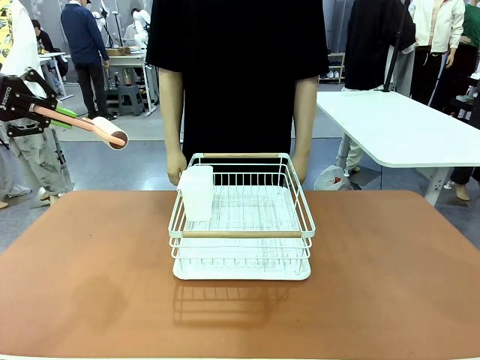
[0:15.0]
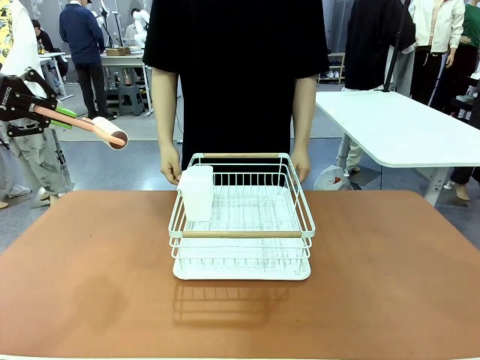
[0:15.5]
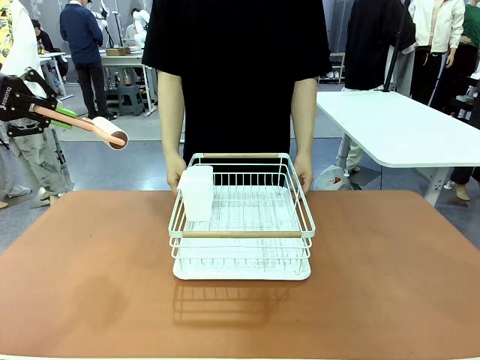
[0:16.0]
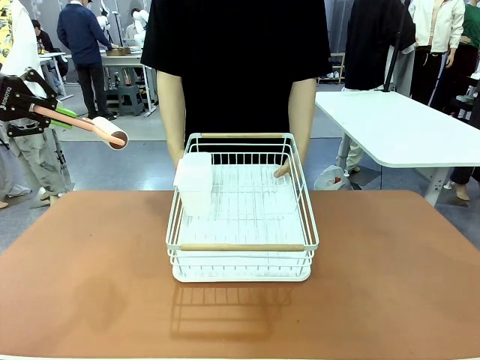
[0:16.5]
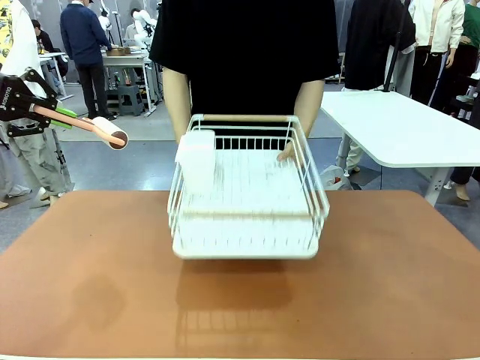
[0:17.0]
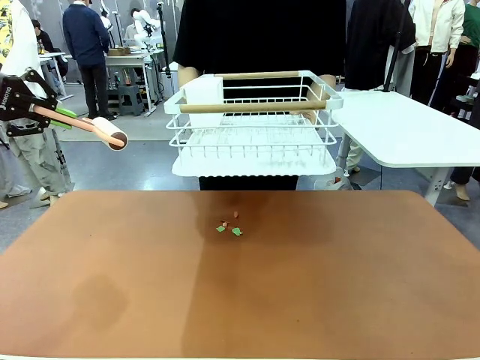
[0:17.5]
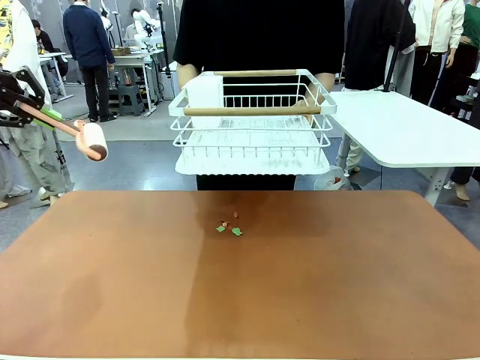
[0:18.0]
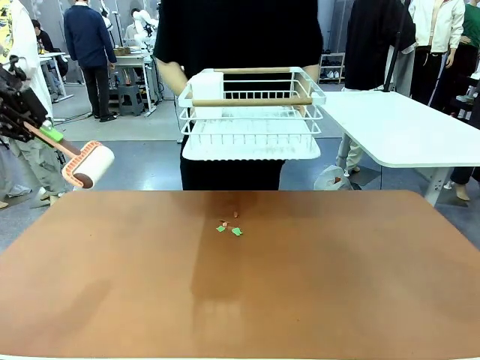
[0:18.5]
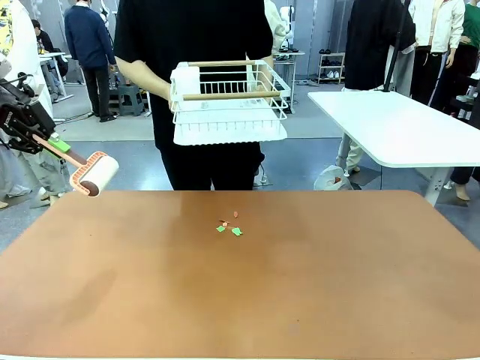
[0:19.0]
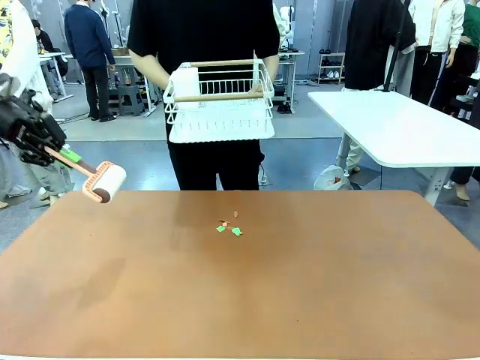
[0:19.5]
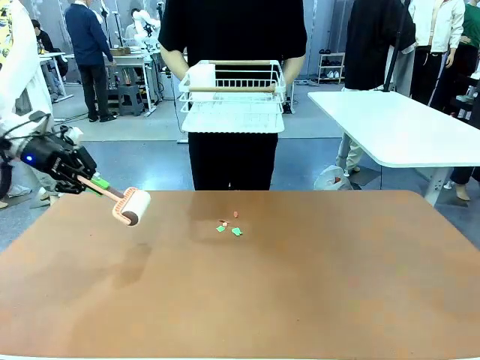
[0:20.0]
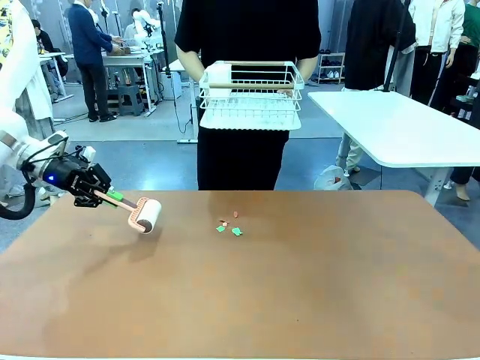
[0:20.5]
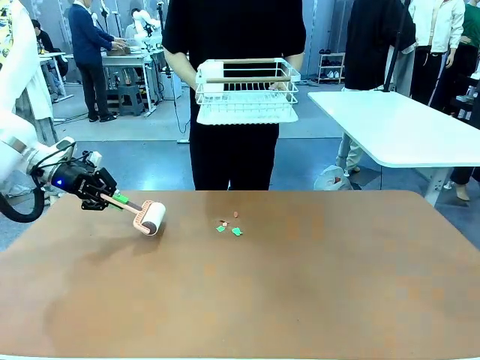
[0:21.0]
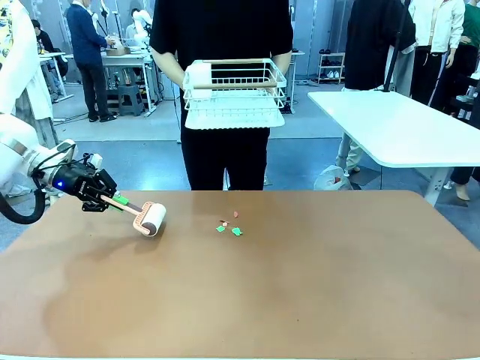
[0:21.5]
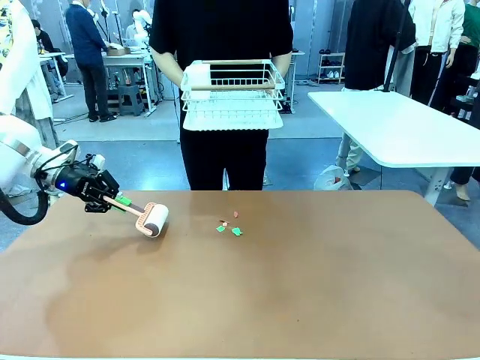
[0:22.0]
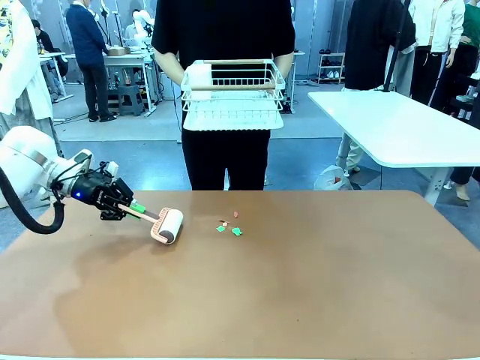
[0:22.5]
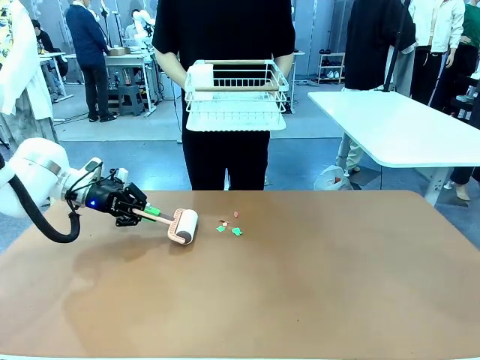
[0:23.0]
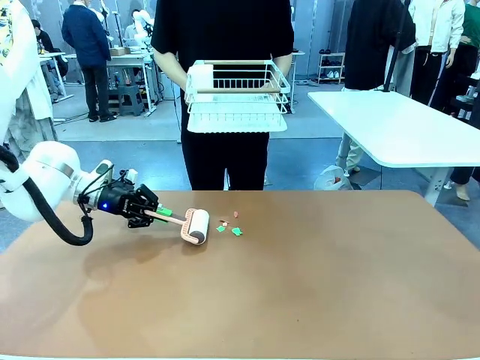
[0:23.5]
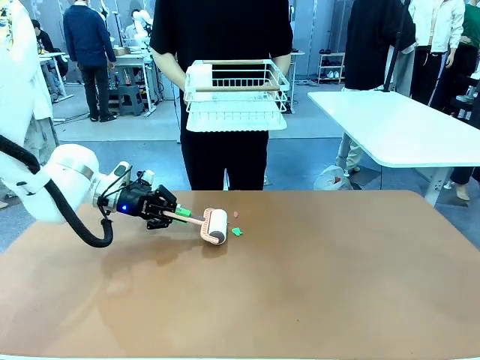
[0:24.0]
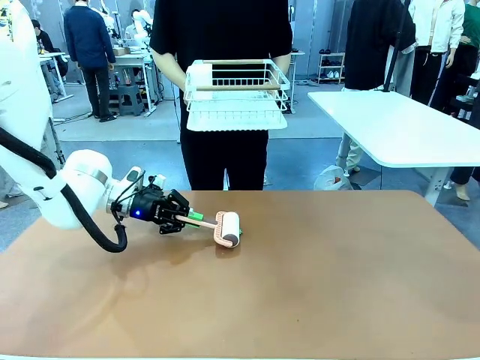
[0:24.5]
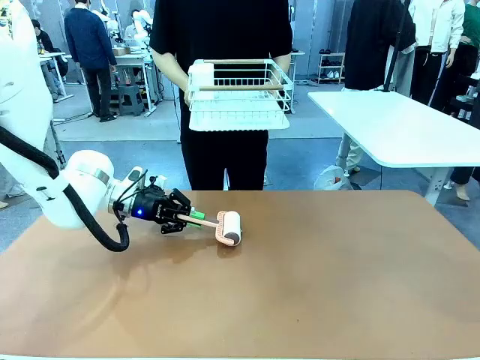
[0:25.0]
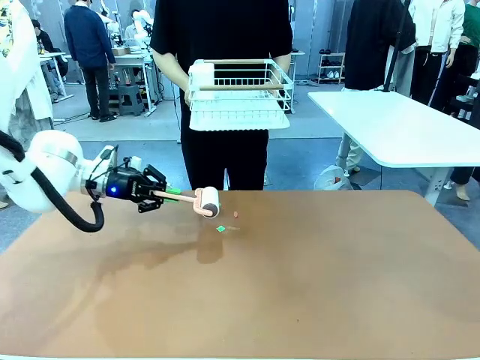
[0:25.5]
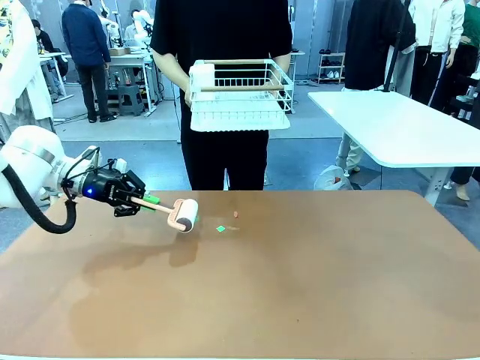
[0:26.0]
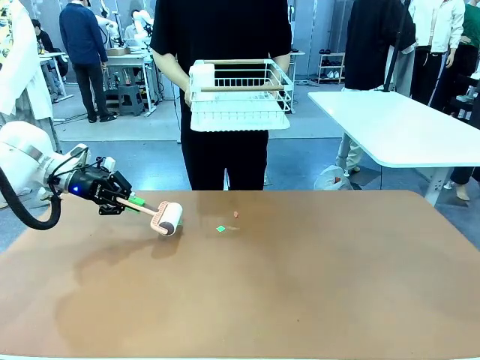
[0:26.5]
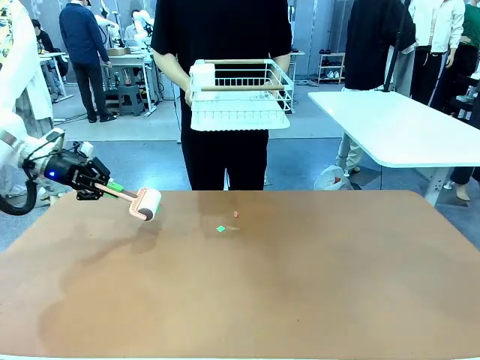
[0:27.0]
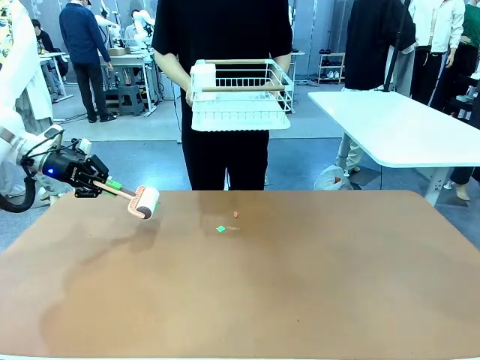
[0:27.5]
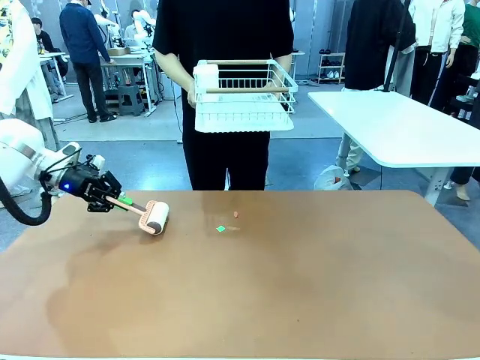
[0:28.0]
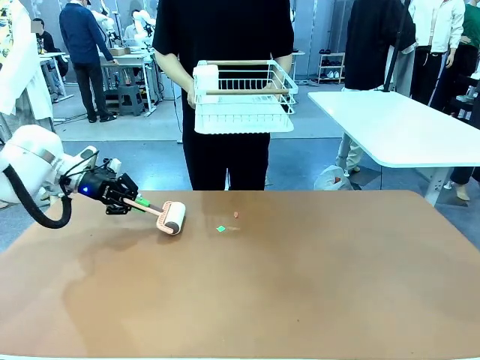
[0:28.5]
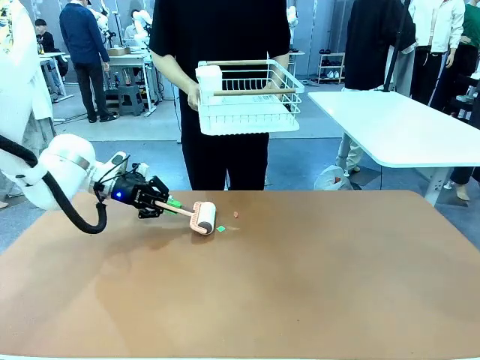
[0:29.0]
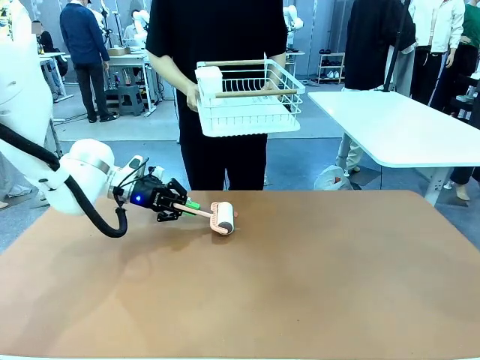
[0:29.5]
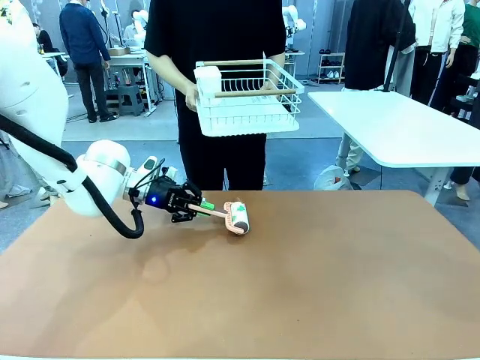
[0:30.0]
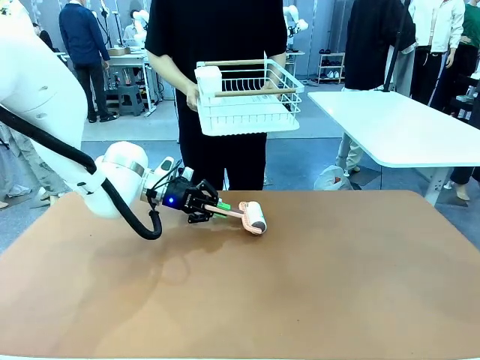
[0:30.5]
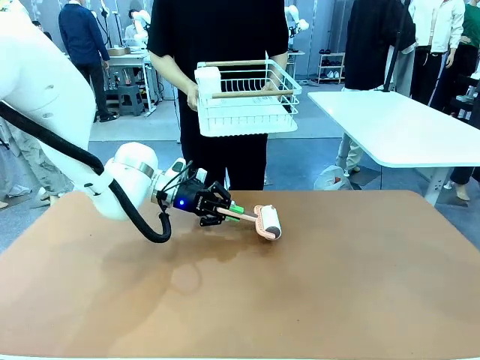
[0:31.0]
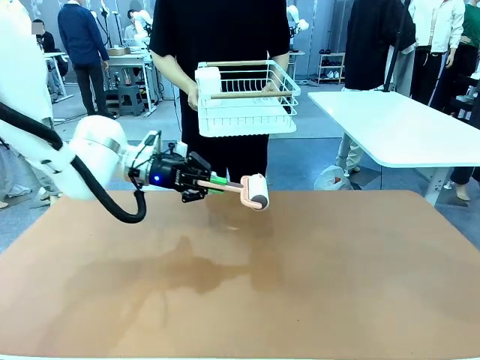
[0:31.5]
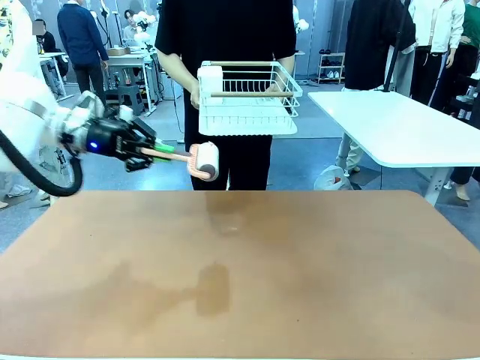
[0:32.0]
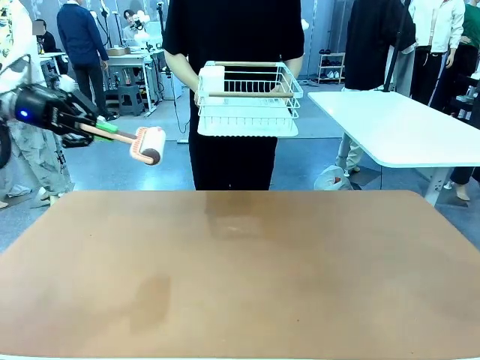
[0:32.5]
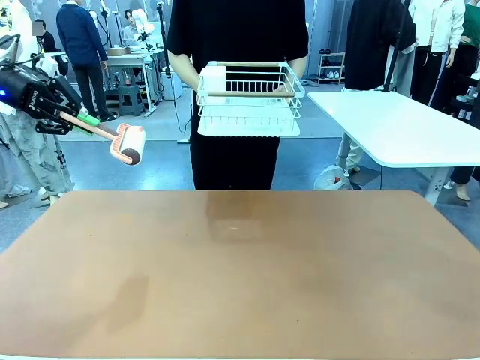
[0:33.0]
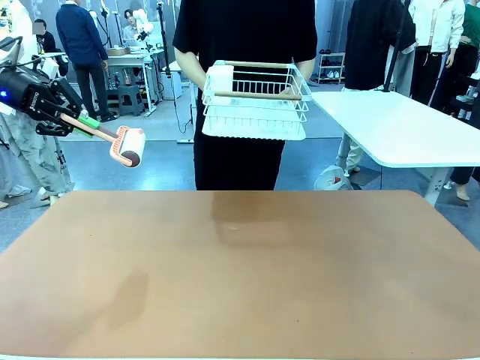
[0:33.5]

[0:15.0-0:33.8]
Task: Clean the table.
Robot: Clean the table with the Lint Roller when the human lifts the Dish drying rack.
Person: Place the Dish drying rack down when the robot finishes cleaning.

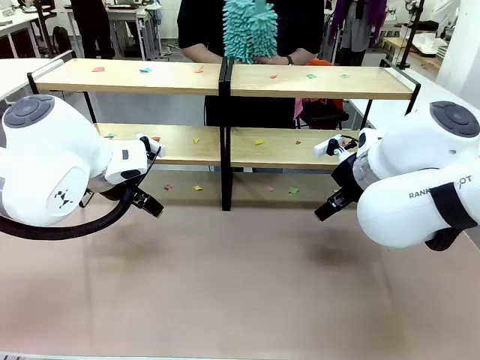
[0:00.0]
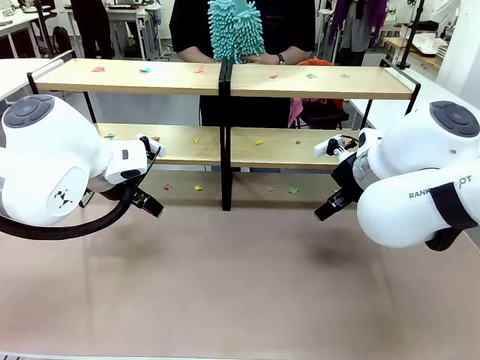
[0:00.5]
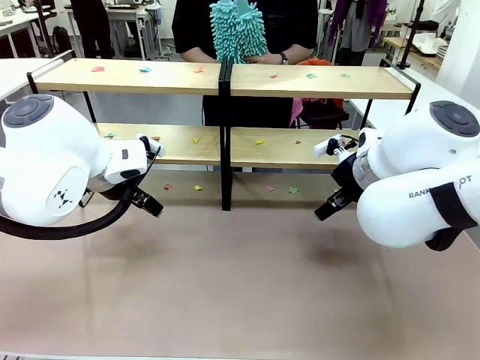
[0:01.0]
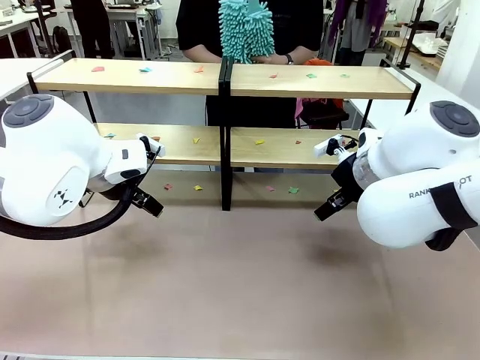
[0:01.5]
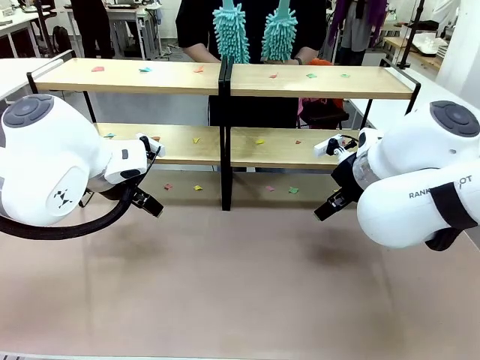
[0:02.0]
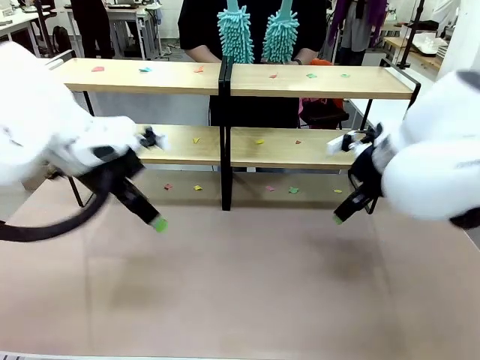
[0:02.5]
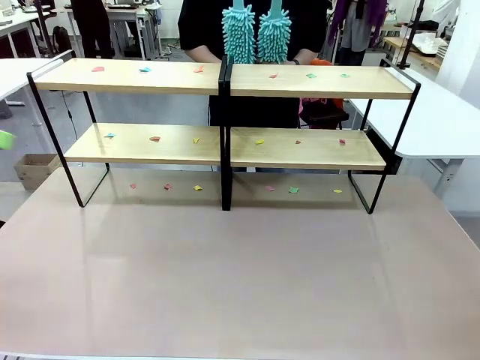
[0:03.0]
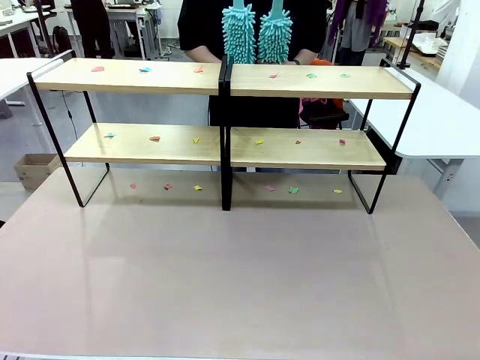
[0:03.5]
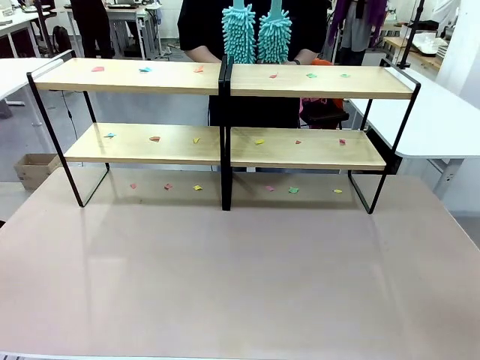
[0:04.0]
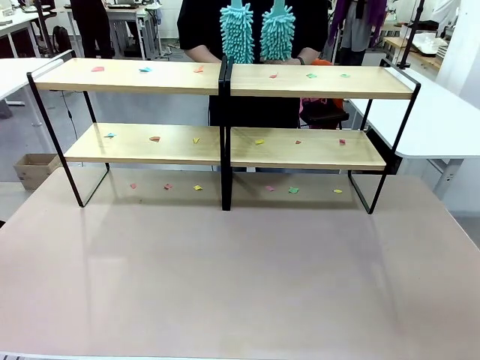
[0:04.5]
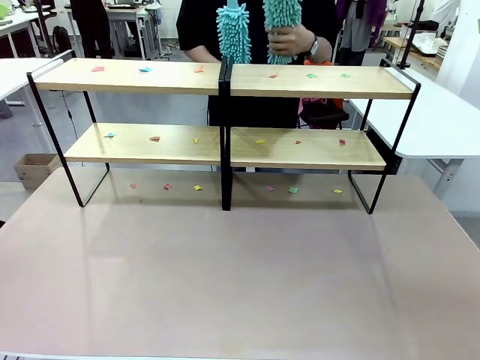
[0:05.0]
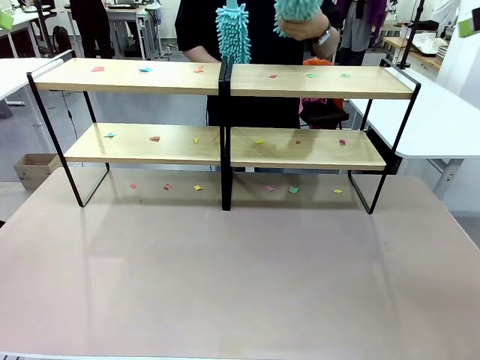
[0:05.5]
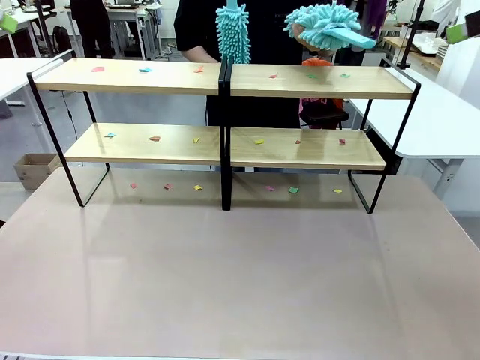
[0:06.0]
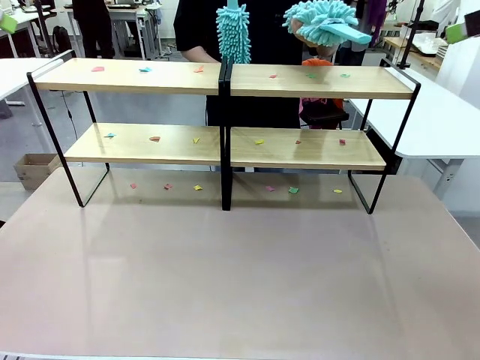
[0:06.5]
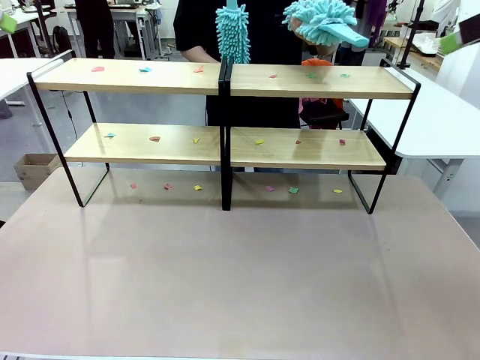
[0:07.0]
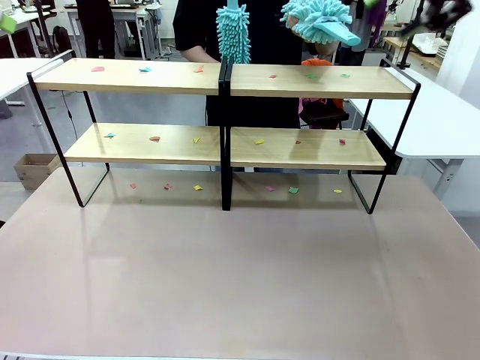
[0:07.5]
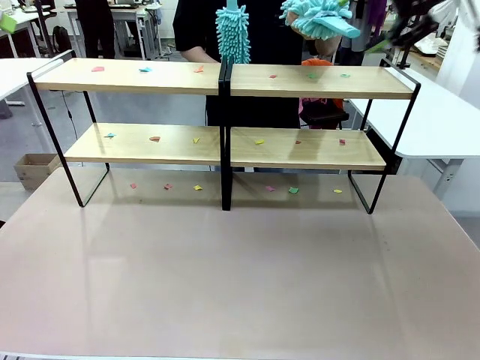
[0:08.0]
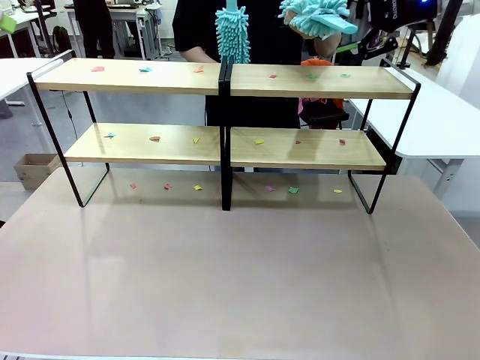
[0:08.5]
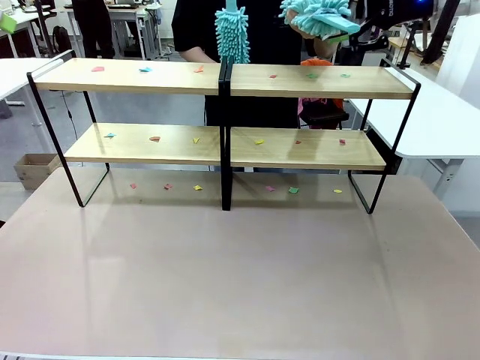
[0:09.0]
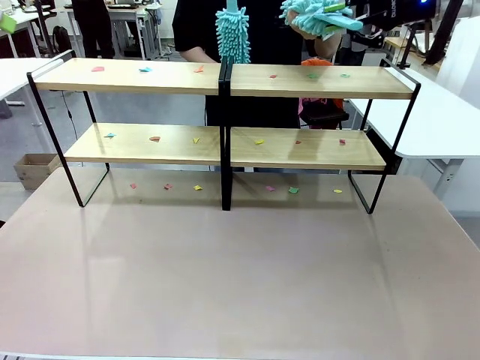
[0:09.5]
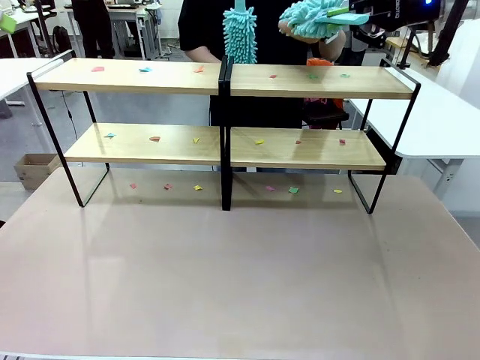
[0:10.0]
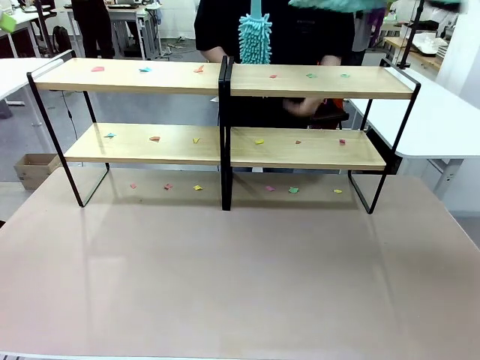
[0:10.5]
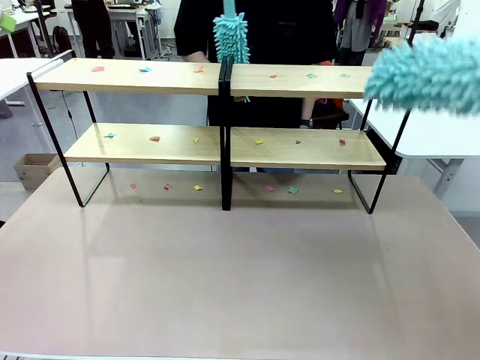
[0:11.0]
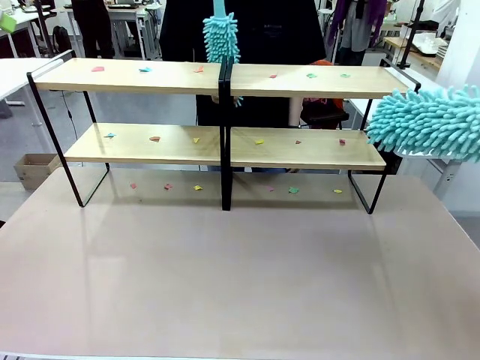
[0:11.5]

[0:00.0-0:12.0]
Task: Clean the shelves.
Robot: Pick up the Duster when the human hands it over.
Person: Hand the Duster to the robot with your right (or left) hand.
